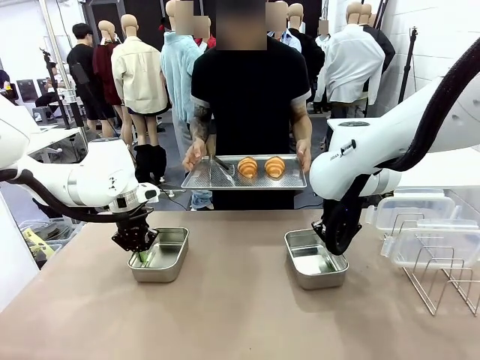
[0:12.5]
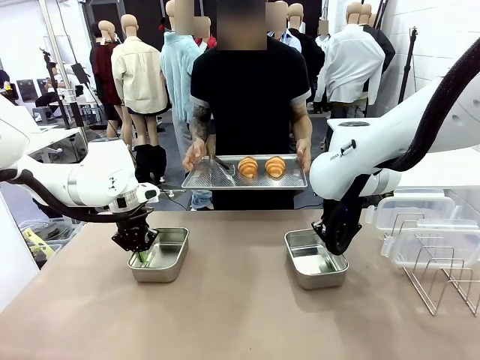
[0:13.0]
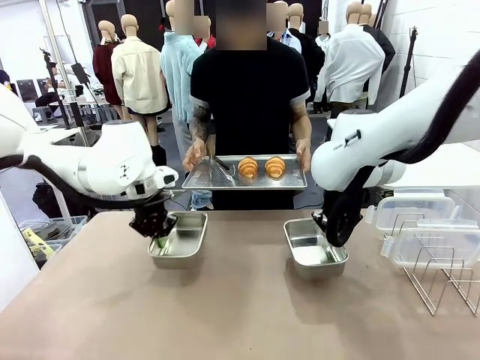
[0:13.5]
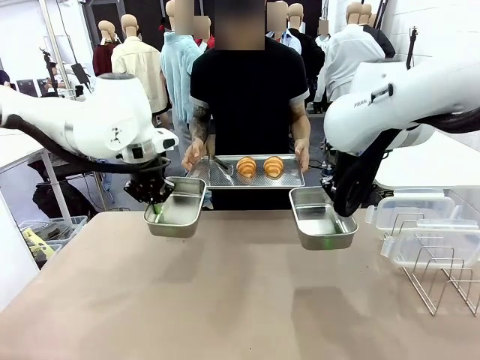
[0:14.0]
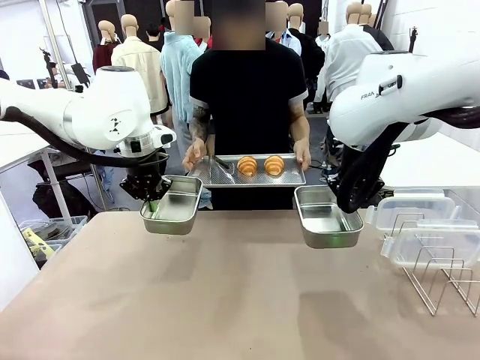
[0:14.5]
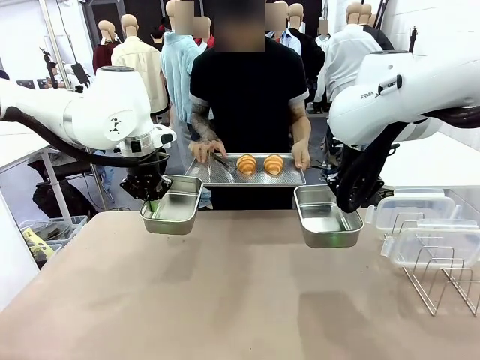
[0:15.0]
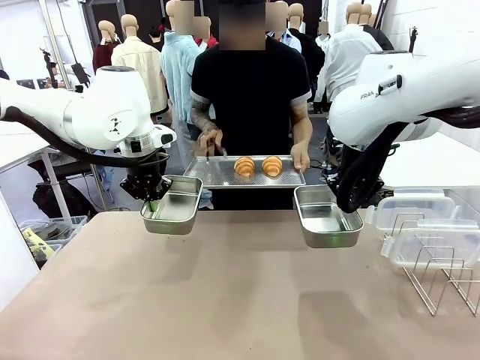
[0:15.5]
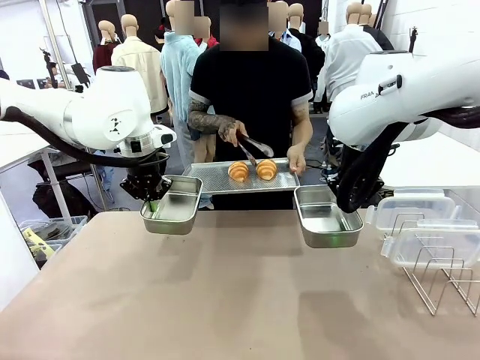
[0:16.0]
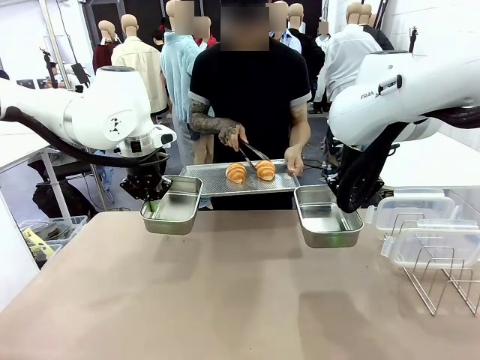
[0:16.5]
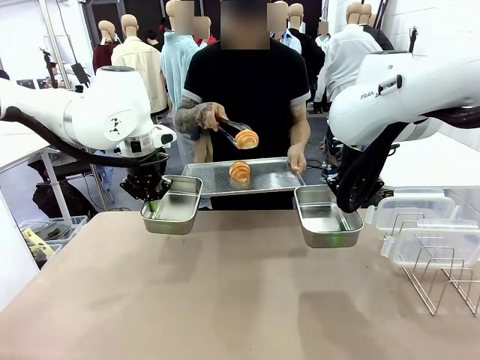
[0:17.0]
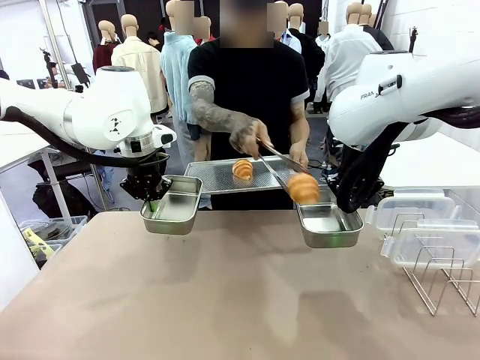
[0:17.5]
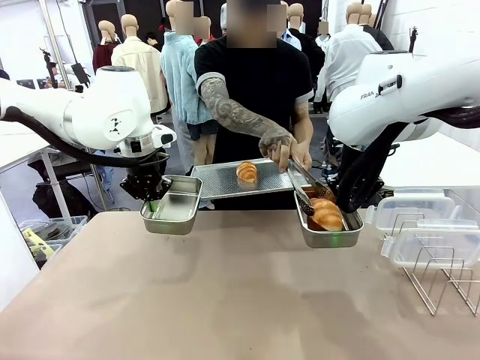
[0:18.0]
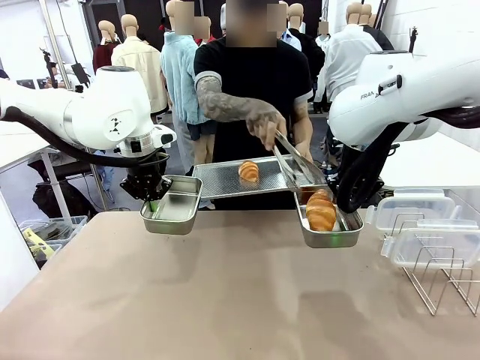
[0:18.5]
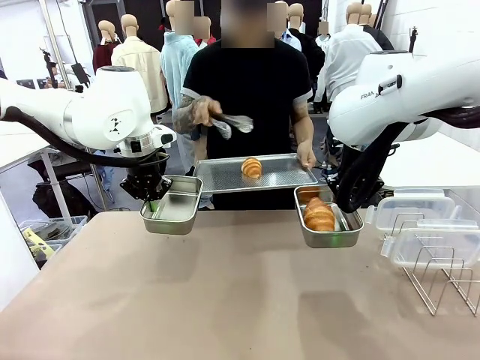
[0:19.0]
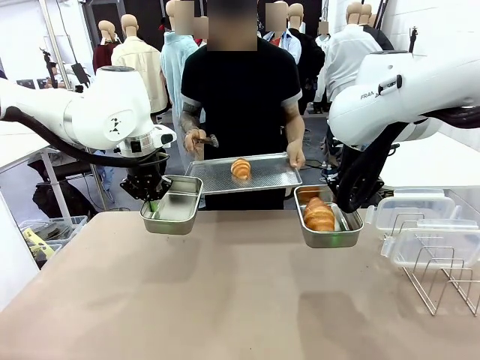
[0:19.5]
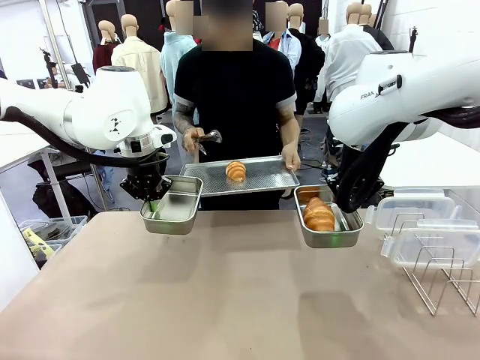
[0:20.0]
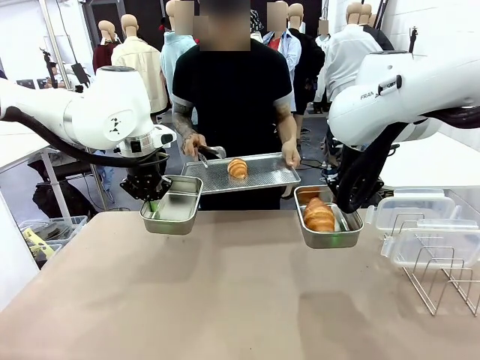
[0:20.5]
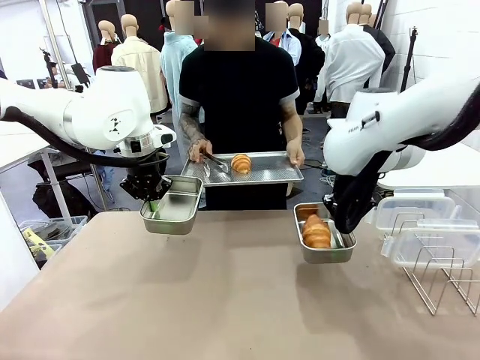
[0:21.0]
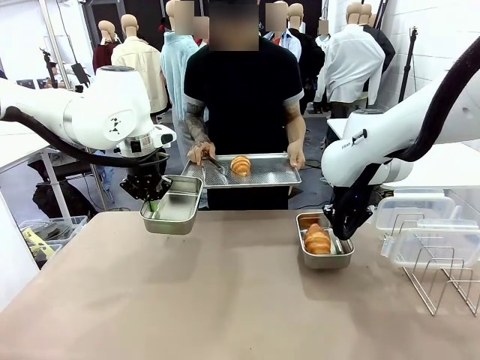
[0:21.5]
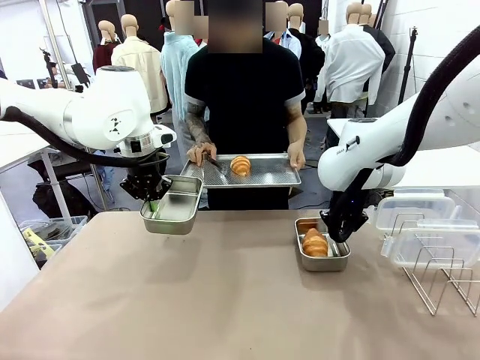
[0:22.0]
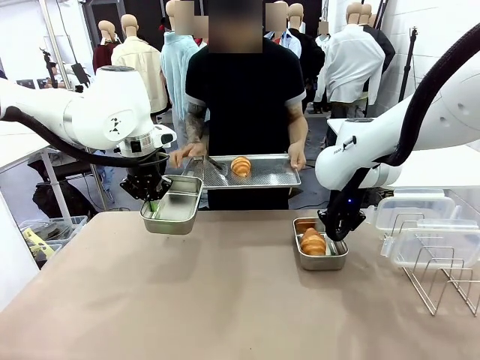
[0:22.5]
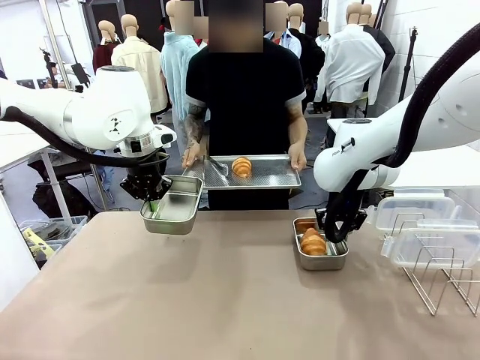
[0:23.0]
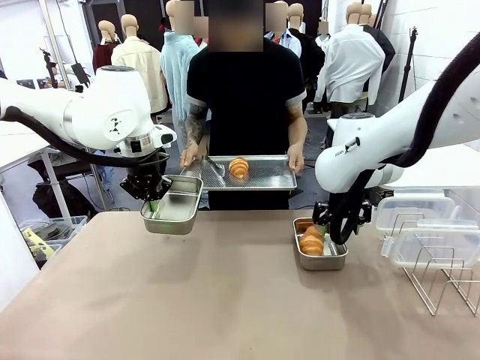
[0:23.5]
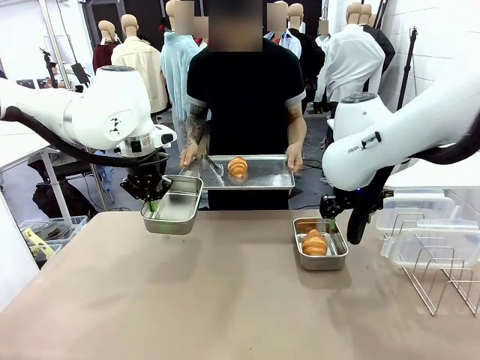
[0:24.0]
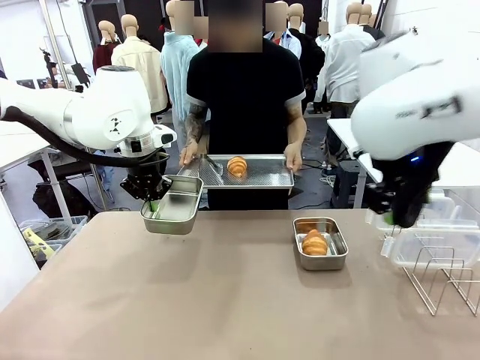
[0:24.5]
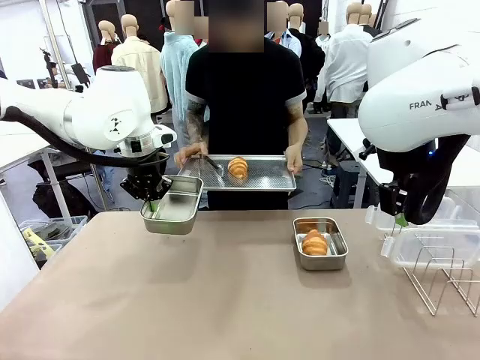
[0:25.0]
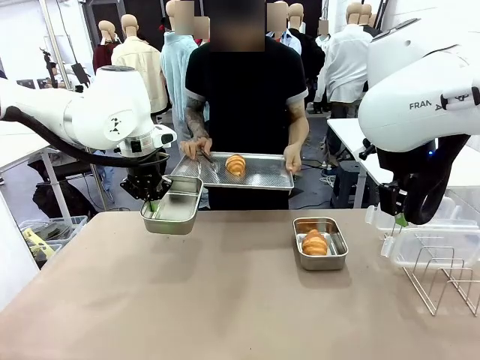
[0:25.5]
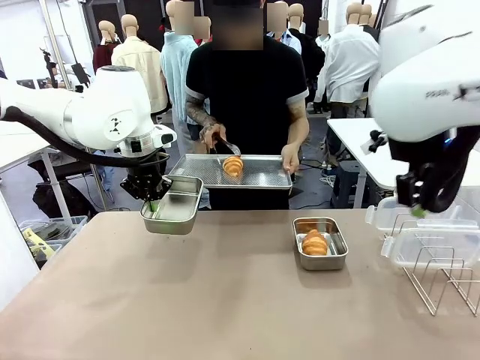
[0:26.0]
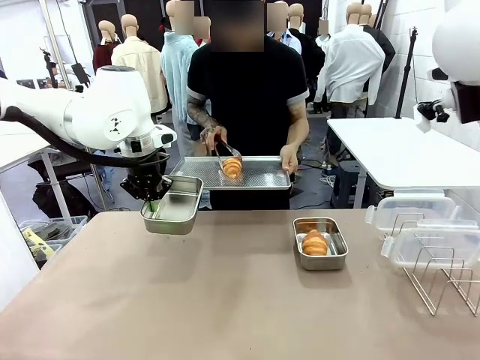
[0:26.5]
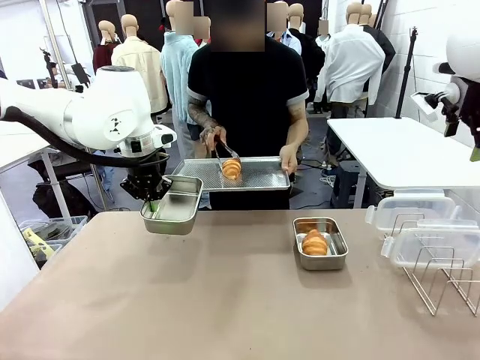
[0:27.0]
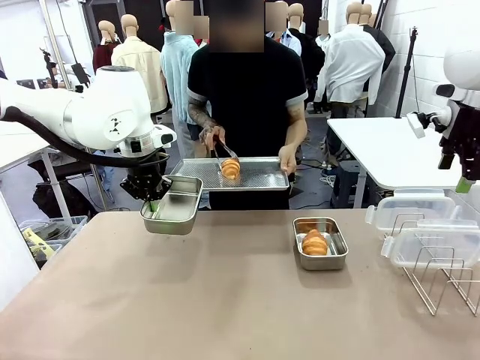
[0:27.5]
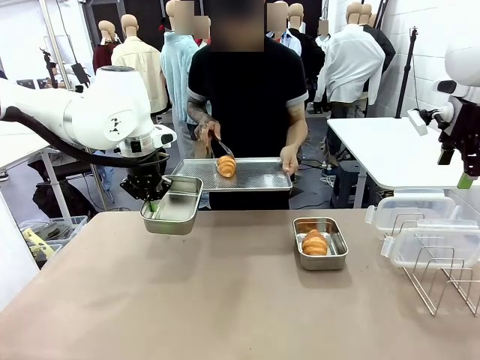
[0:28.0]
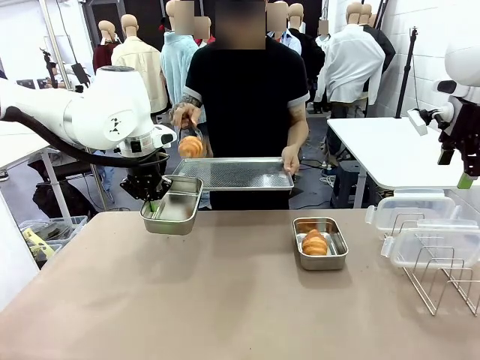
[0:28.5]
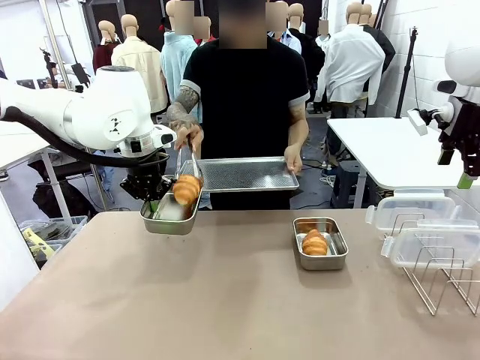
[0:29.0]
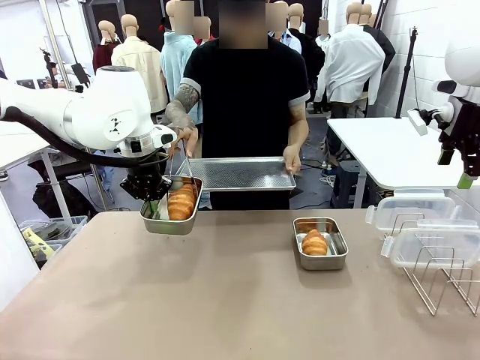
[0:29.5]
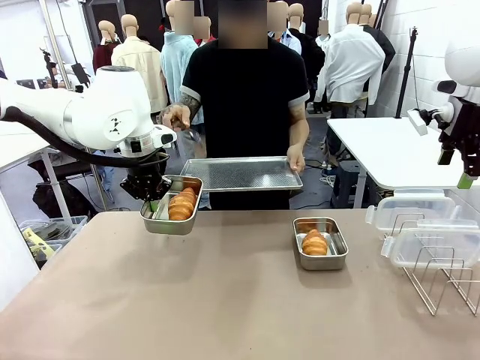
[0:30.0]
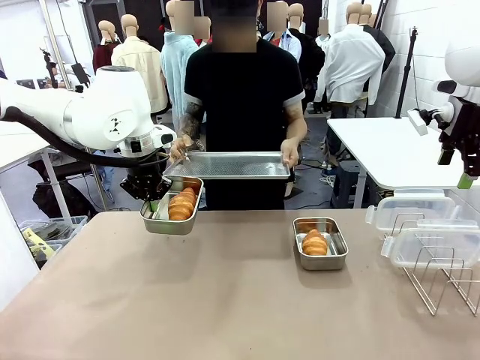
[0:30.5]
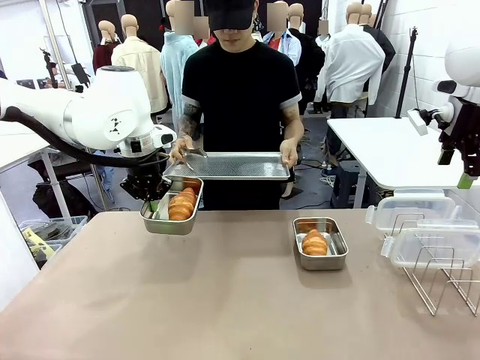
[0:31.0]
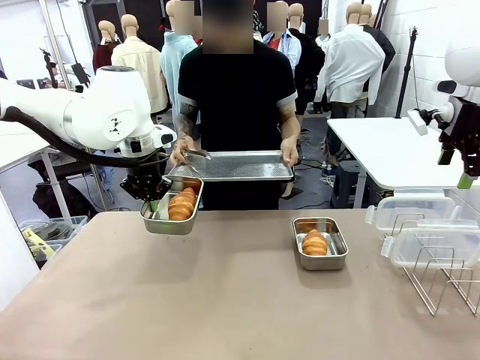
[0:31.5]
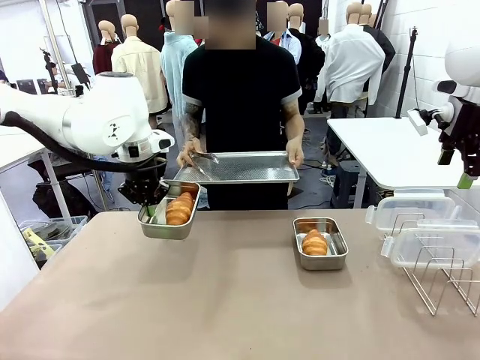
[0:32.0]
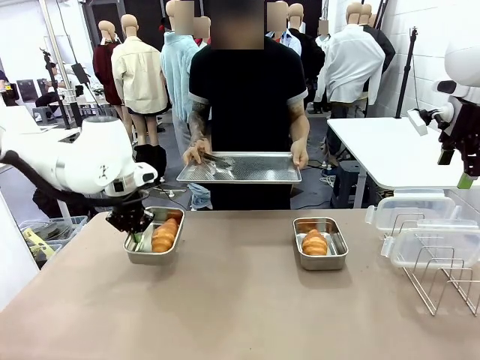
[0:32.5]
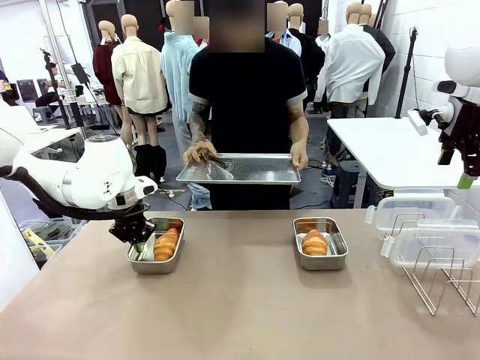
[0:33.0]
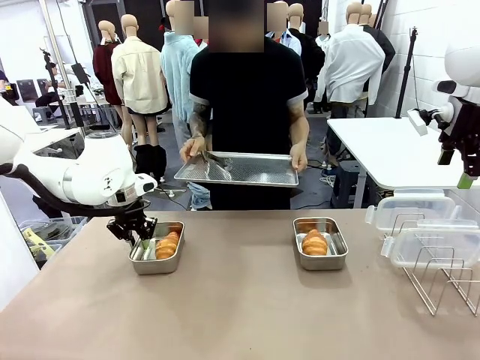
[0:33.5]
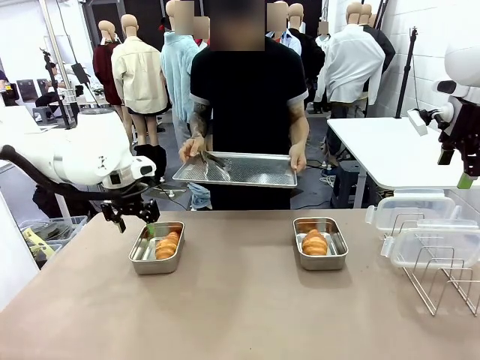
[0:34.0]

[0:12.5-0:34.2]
Task: Place the bread in airtight containers.
Robot: Once an object is inside an Airtight Container , place the container in the center of the table.
Person: Use the Stainless steel tongs to place one object from Baking Sheet into one Airtight Container.

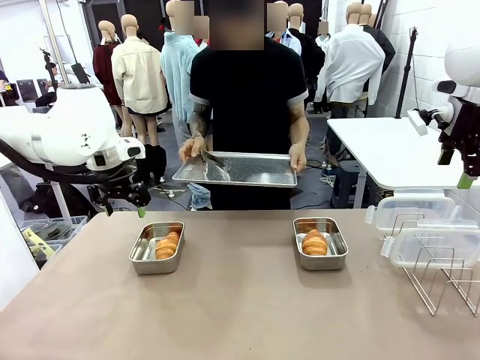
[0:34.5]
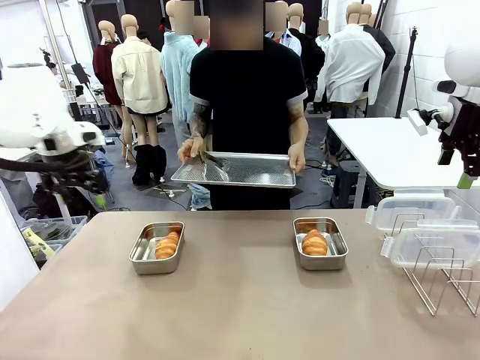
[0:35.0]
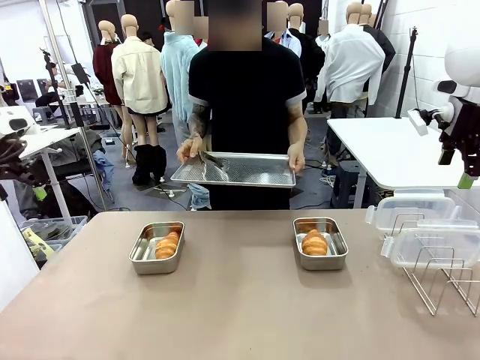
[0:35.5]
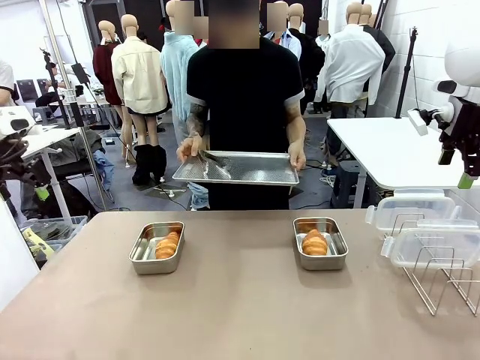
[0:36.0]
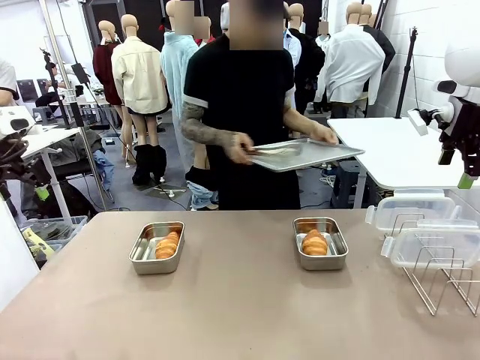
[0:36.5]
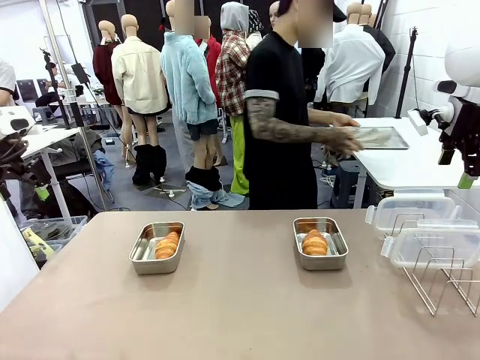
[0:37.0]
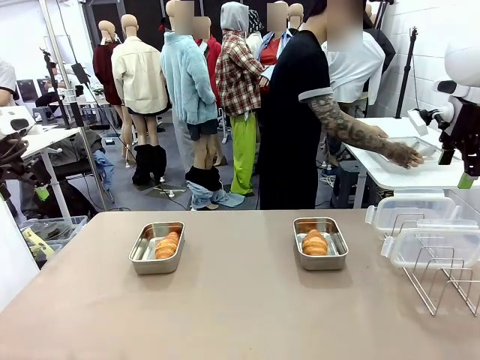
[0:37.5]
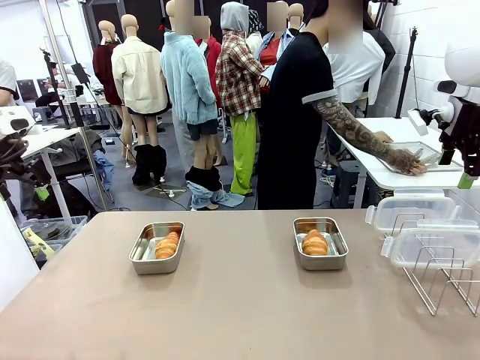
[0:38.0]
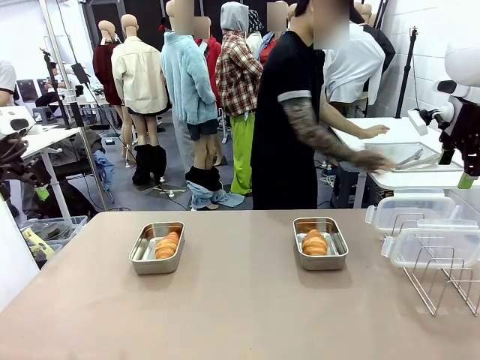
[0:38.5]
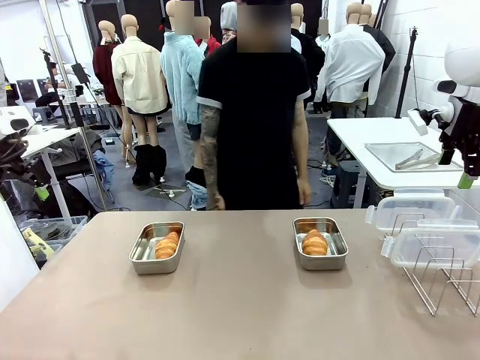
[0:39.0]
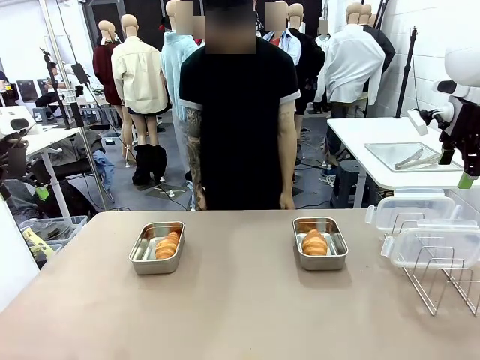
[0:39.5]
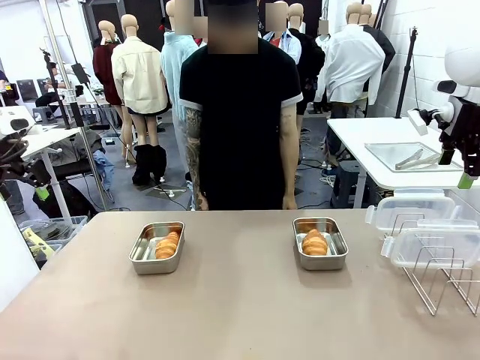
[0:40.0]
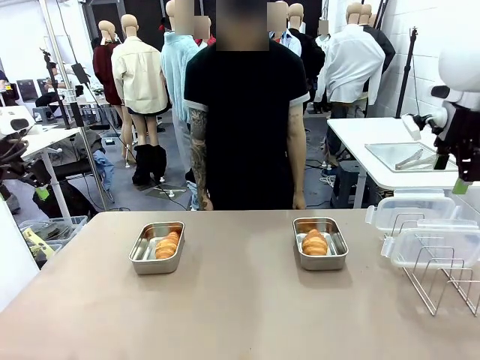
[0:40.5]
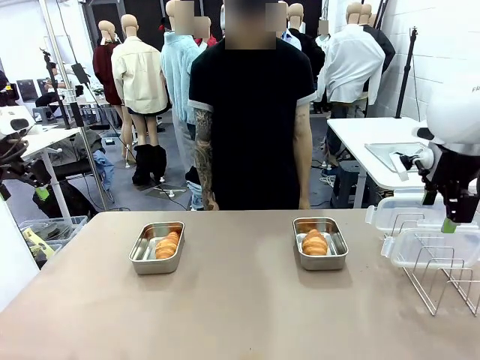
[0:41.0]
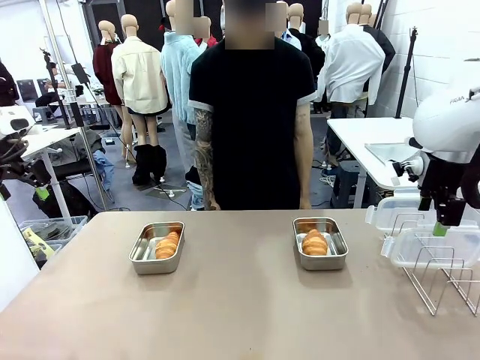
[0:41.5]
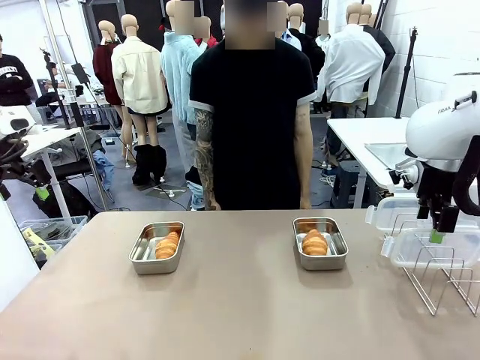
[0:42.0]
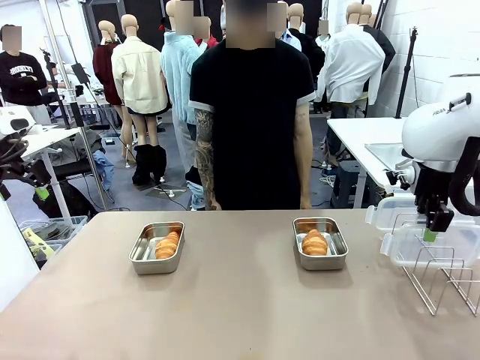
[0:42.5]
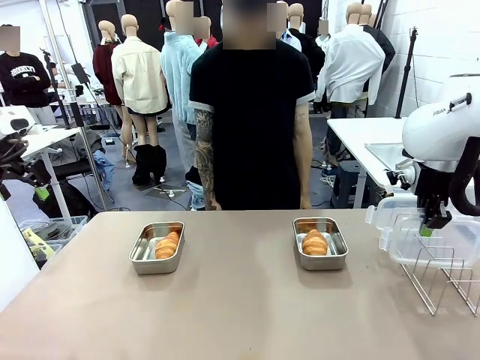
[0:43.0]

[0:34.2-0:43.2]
Robot: Pick up one Airtight Container lid and hand it to the human.
Person: Place Baking Sheet on the Human's Table.
